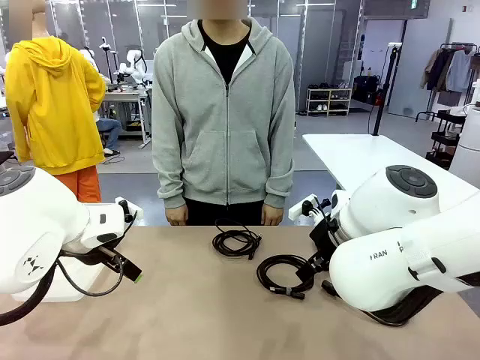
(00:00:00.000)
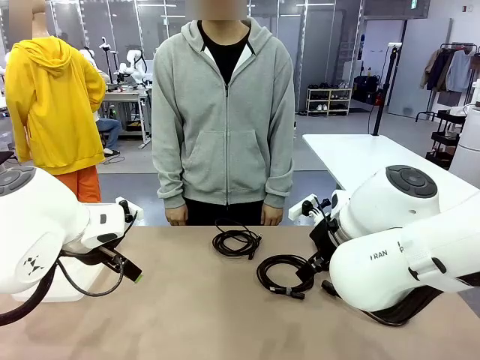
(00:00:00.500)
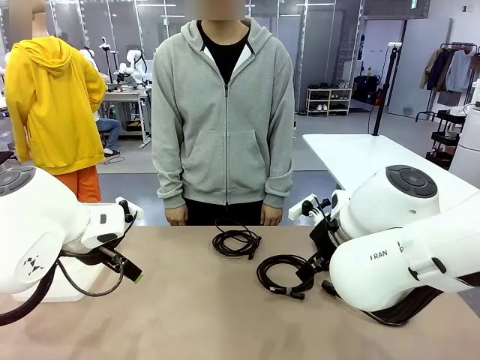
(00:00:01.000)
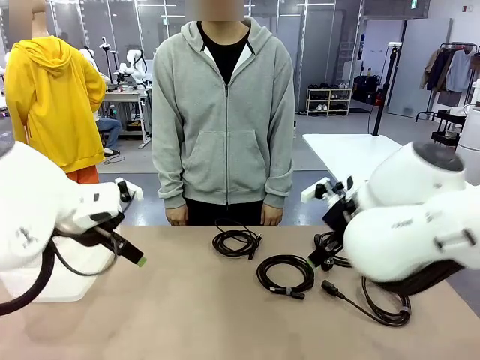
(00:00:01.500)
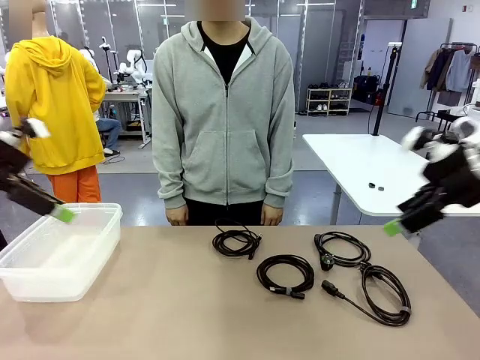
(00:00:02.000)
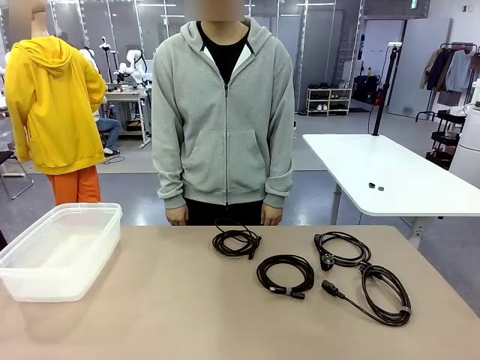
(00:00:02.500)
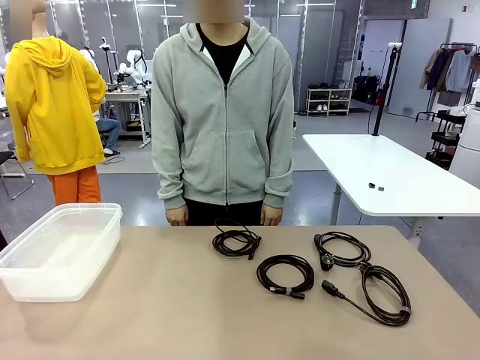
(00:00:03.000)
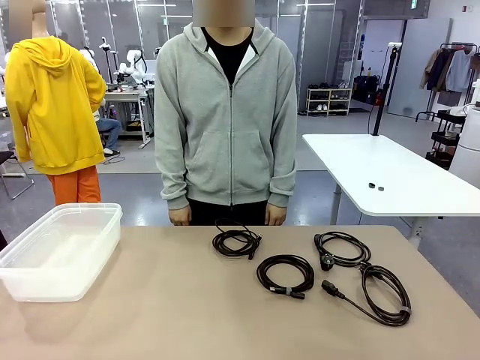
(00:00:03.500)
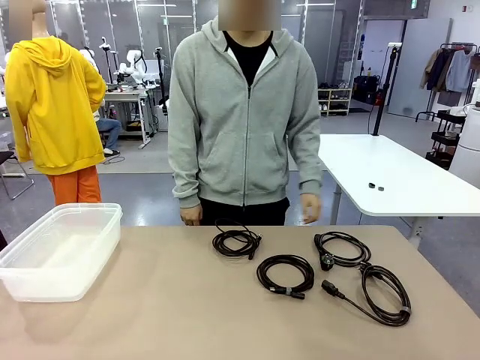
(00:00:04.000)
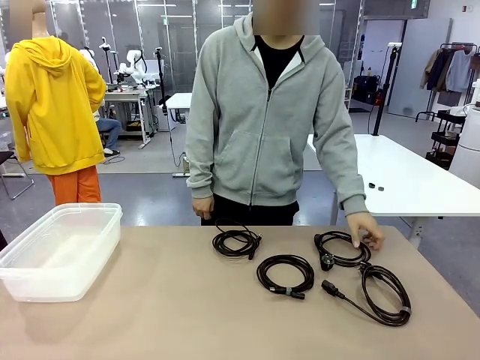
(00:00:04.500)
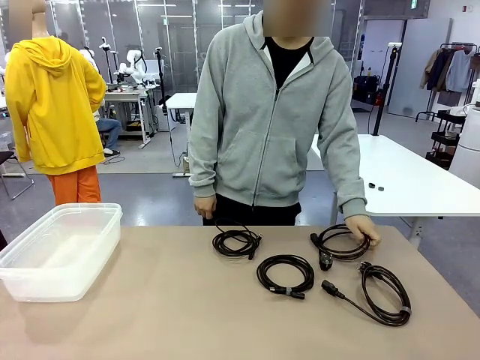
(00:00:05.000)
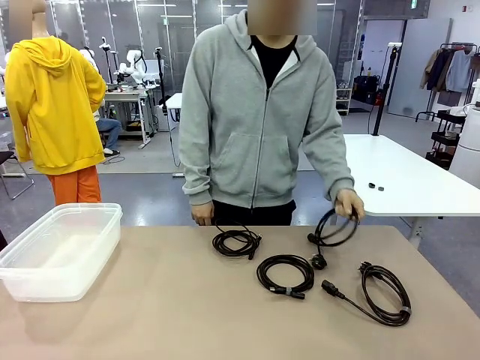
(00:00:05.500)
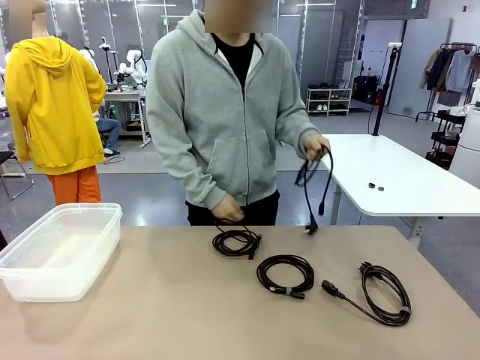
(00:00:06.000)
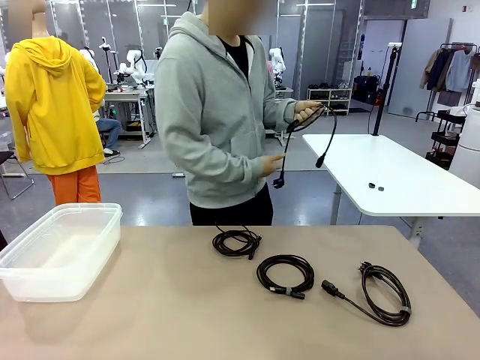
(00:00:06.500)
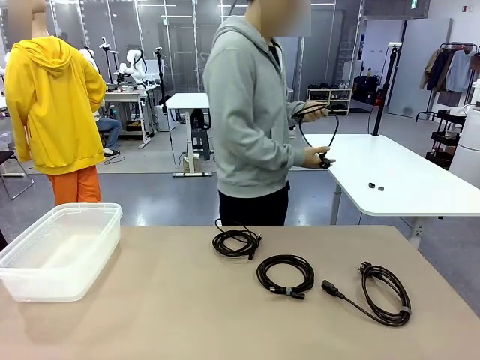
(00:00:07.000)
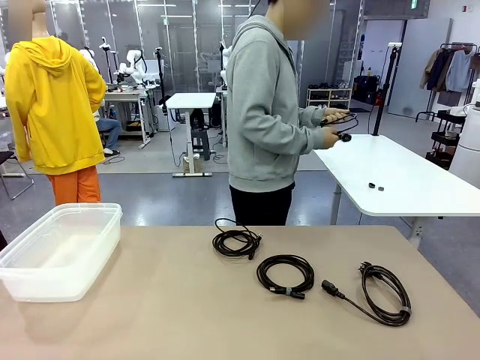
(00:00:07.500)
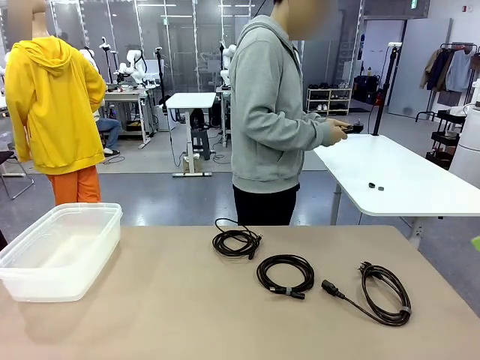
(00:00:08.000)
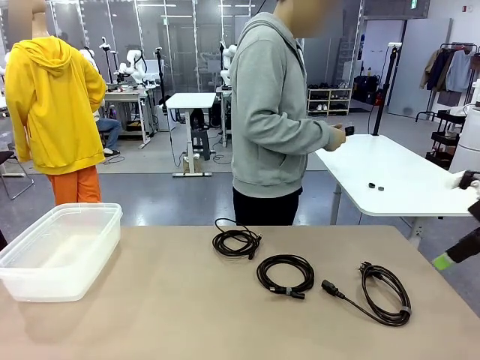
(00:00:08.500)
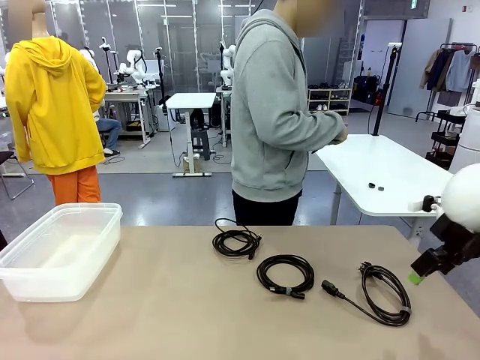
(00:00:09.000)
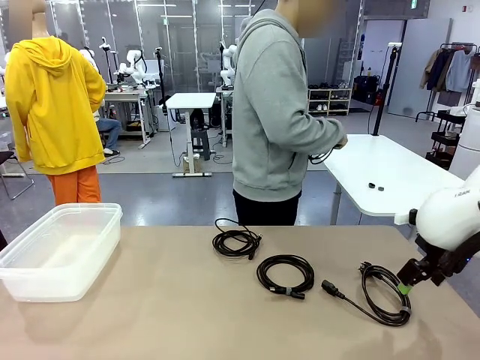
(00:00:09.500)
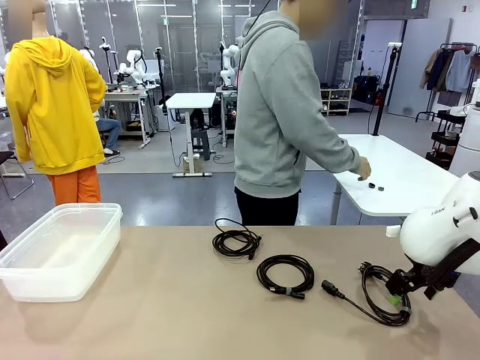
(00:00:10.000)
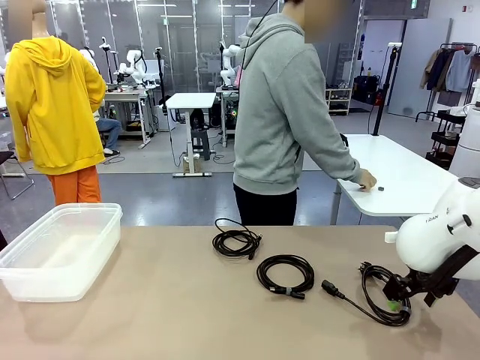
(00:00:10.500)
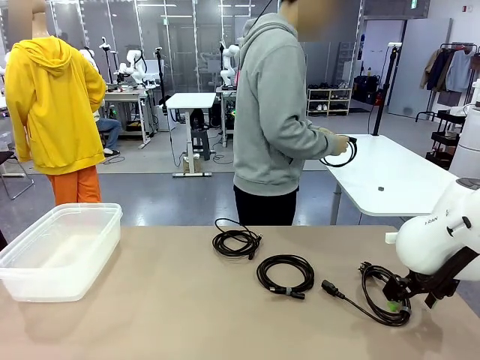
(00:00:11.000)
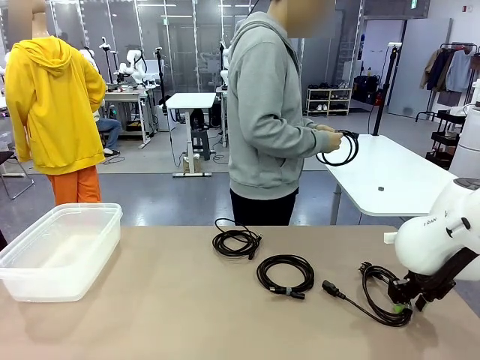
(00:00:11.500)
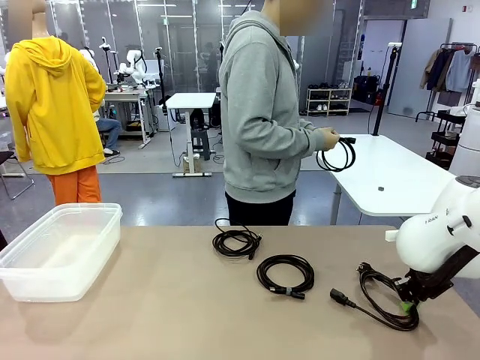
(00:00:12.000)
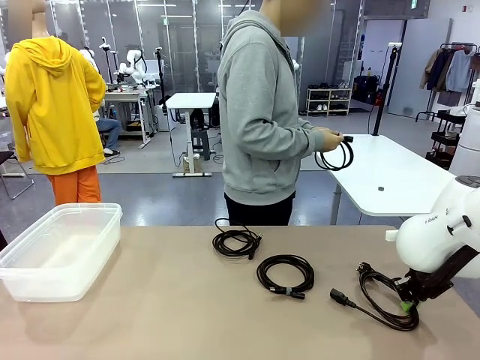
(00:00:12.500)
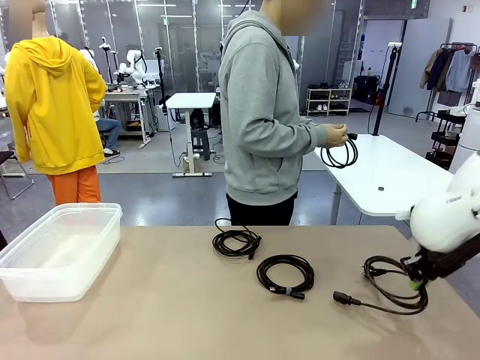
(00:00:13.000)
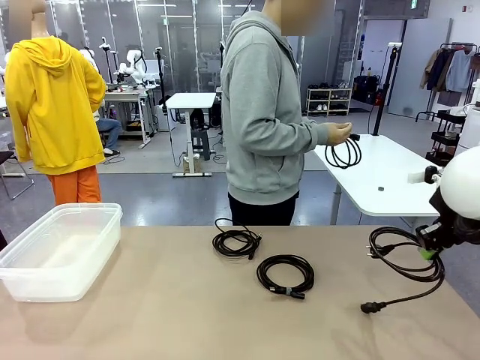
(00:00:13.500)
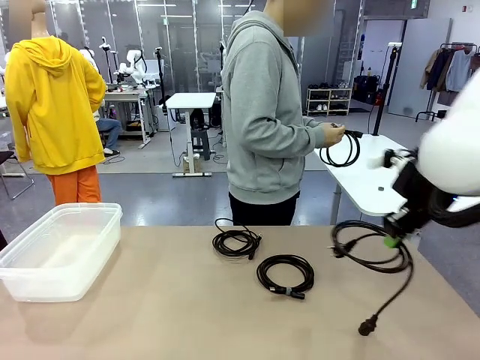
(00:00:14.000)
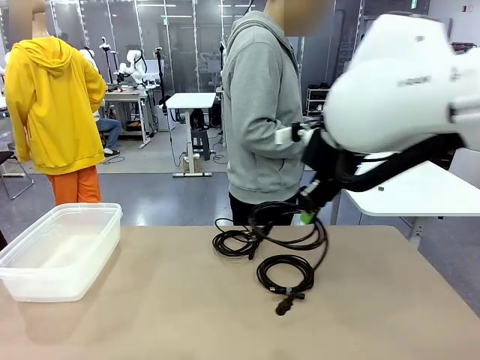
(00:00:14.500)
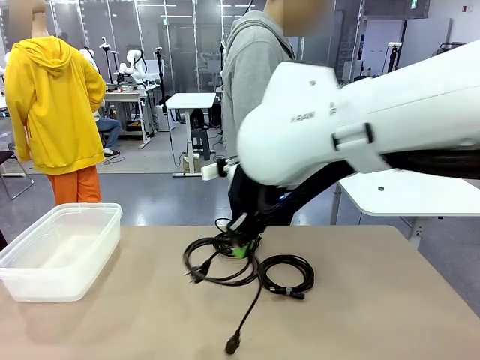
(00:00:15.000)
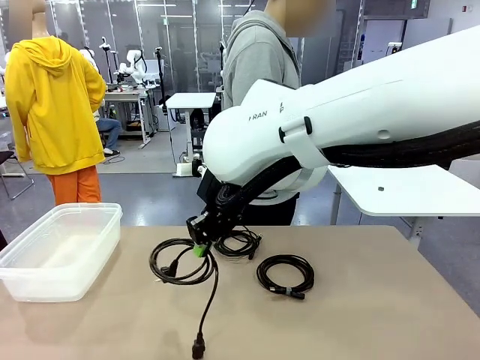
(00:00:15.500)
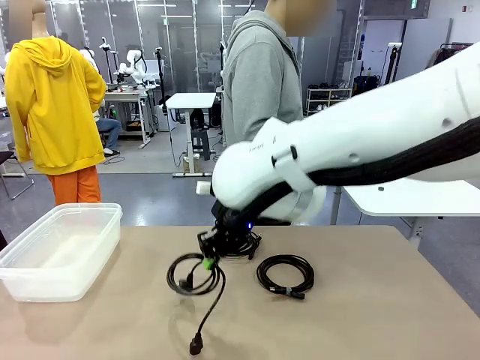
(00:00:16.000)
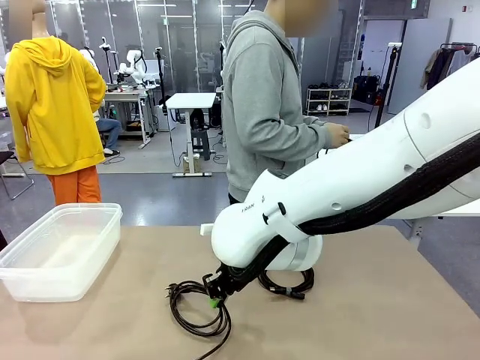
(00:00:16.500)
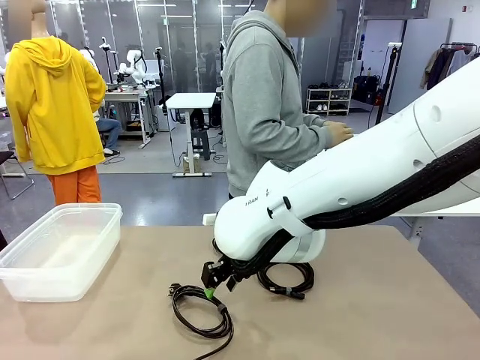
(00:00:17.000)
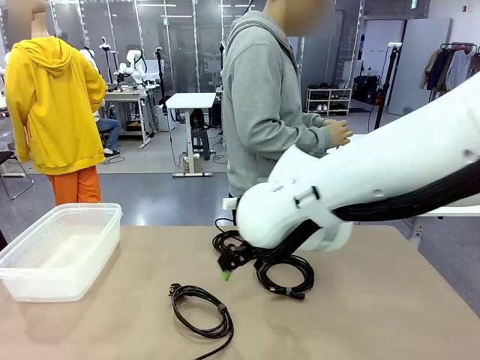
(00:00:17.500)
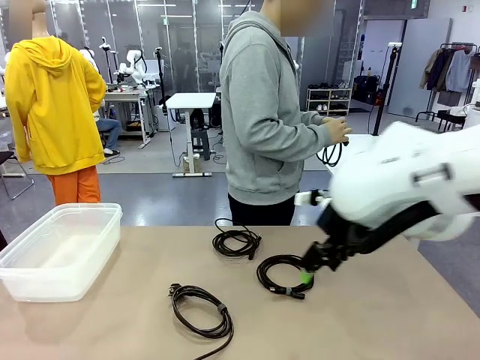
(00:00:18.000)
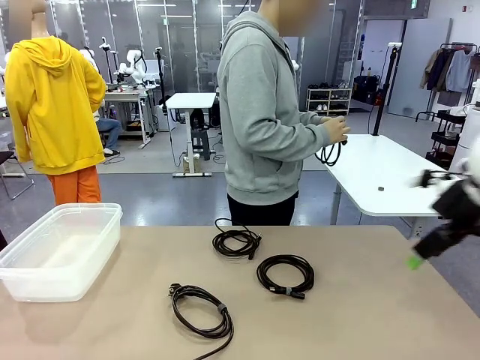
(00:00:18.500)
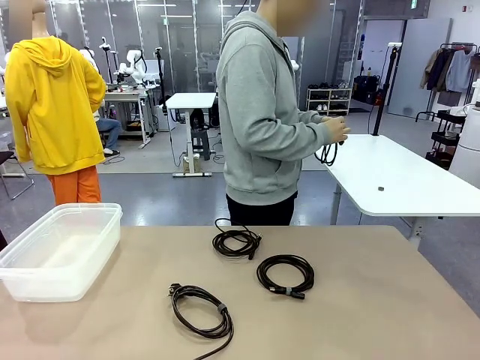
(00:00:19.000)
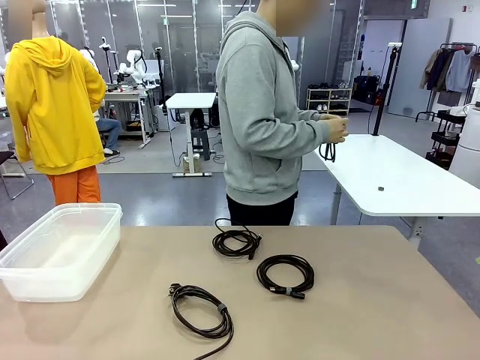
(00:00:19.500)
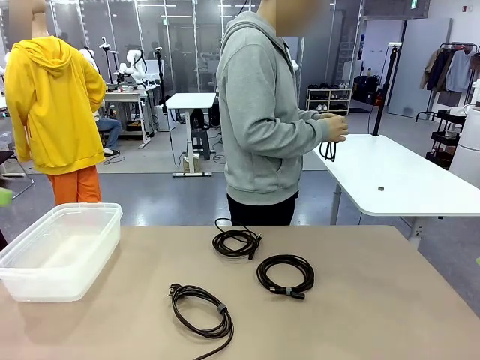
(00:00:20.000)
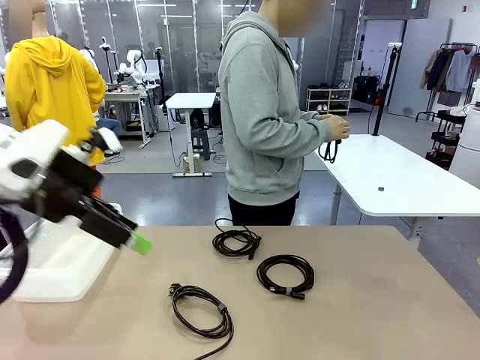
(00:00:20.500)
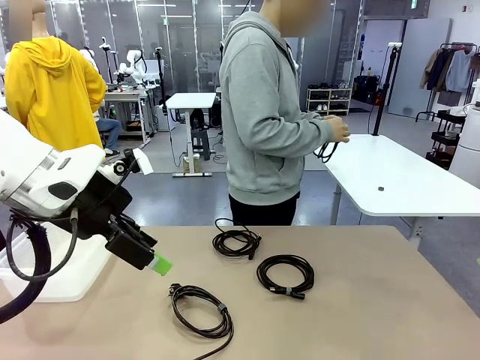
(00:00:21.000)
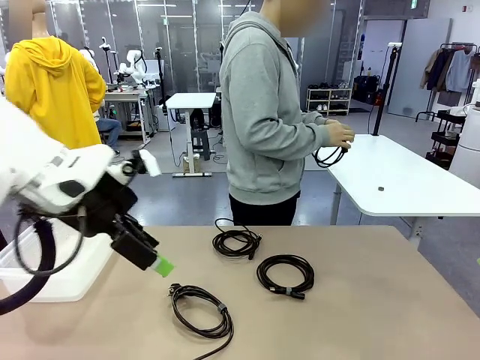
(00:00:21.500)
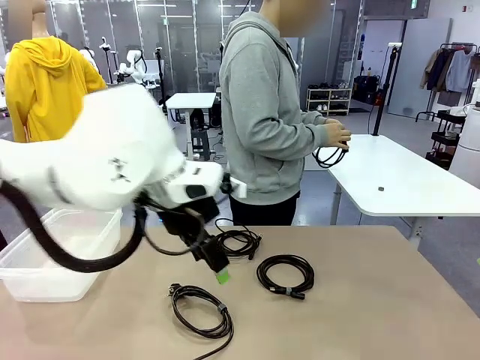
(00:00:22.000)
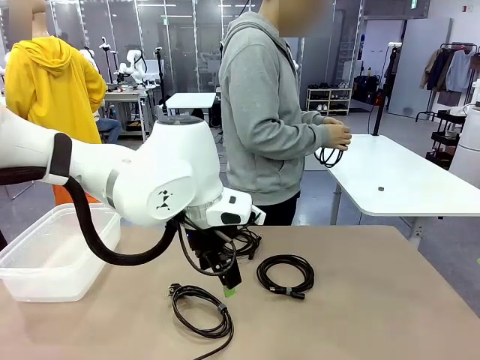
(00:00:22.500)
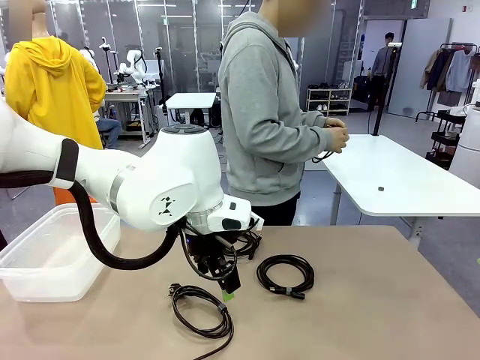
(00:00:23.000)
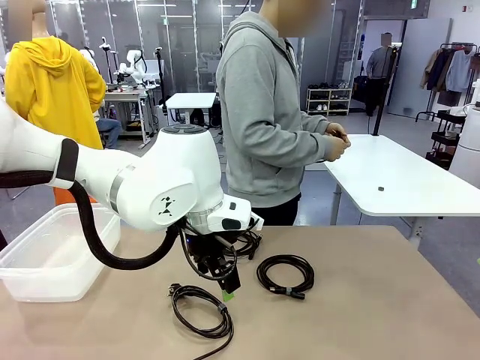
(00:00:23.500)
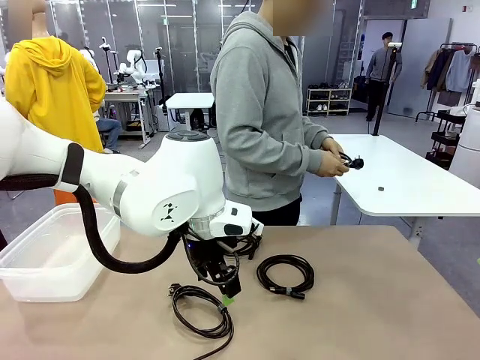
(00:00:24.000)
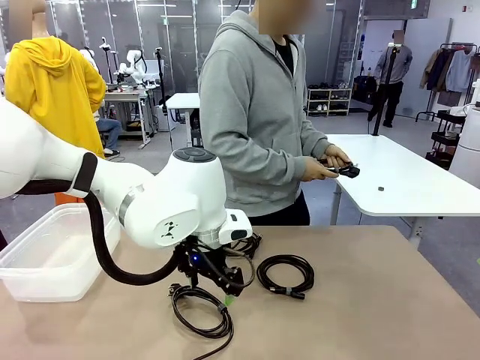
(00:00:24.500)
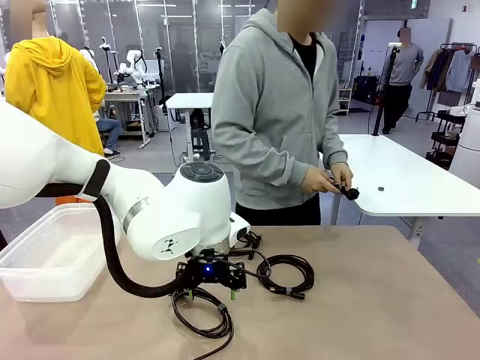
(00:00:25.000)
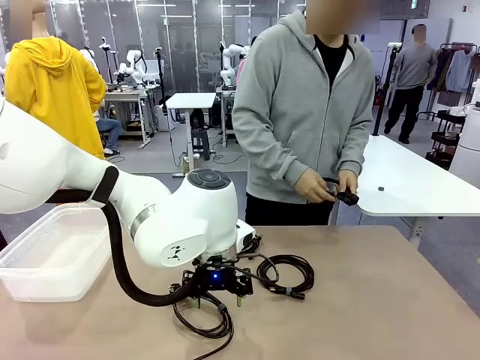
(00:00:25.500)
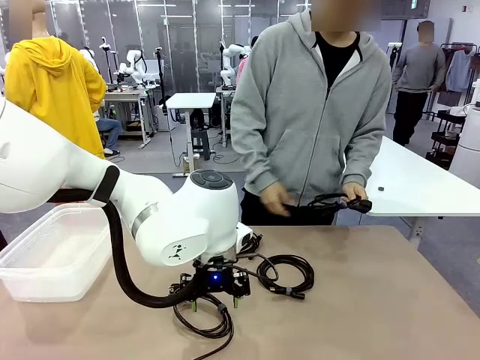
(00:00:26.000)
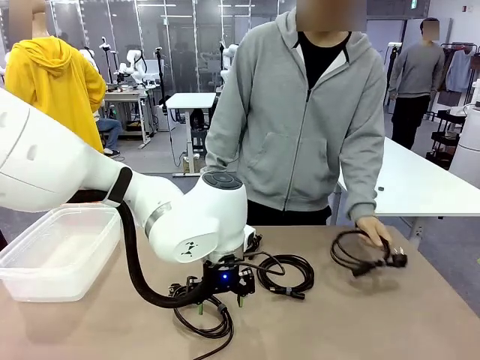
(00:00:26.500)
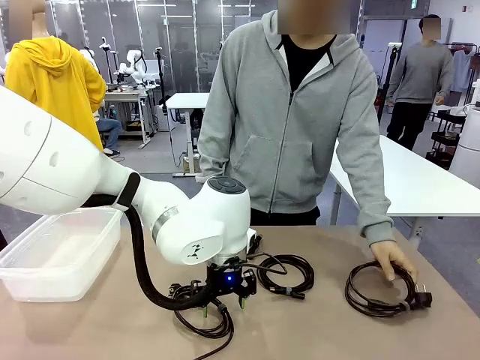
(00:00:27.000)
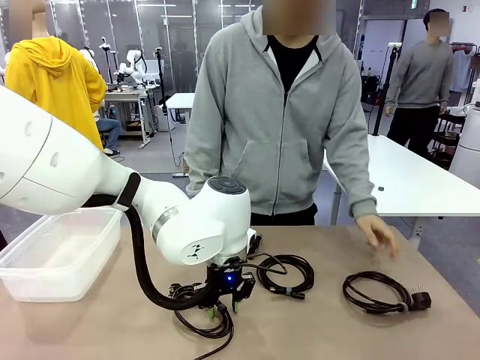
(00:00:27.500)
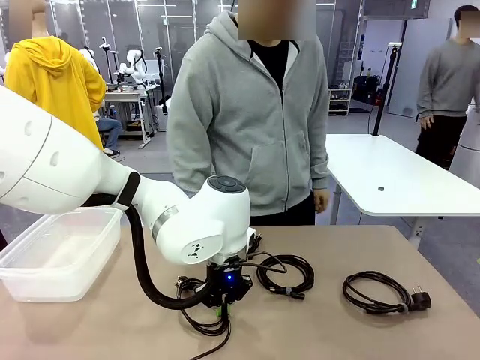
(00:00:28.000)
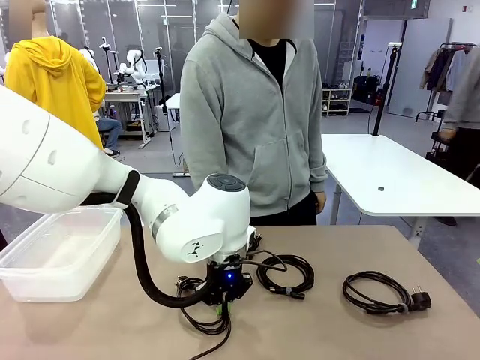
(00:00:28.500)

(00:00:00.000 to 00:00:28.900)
Task: Organize and store the cables.
Robot: Place the Power Cable into the Organizing box.
Person: Tie one Power Cable with a Reusable Cable Tie.
